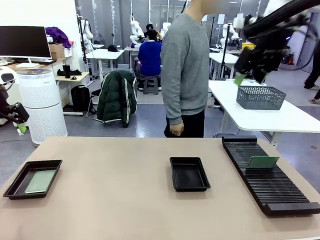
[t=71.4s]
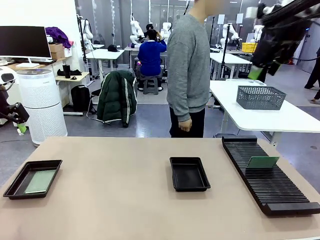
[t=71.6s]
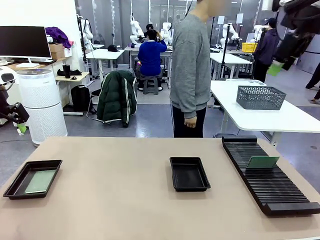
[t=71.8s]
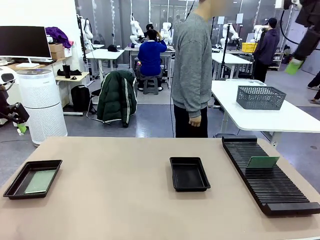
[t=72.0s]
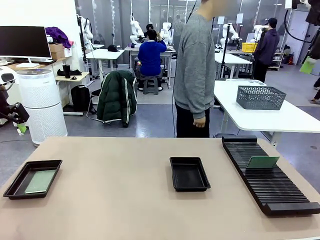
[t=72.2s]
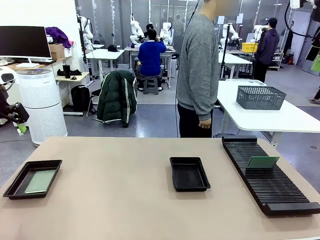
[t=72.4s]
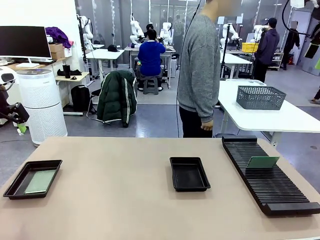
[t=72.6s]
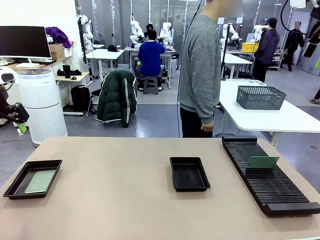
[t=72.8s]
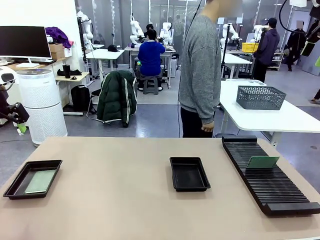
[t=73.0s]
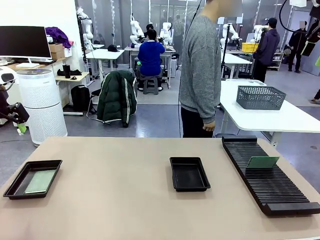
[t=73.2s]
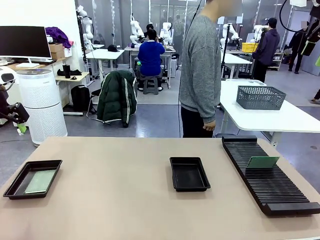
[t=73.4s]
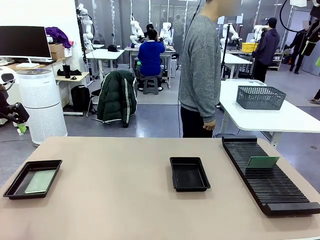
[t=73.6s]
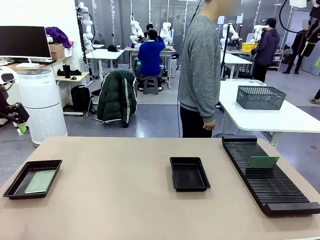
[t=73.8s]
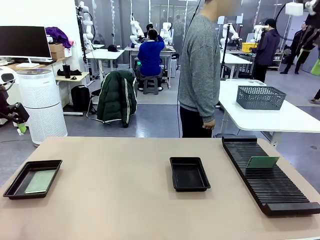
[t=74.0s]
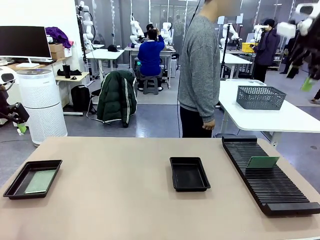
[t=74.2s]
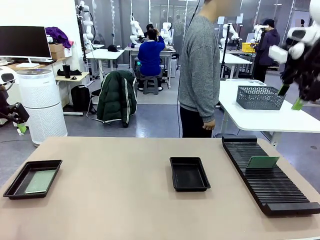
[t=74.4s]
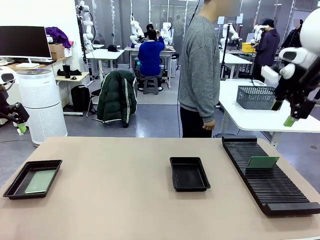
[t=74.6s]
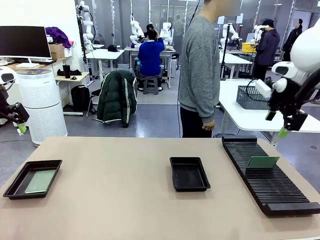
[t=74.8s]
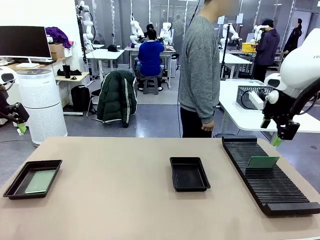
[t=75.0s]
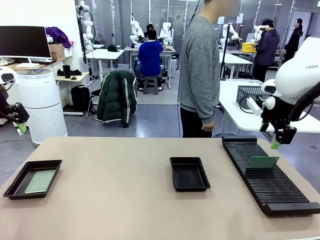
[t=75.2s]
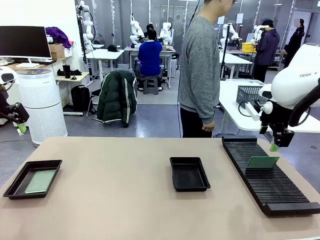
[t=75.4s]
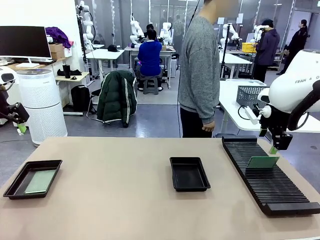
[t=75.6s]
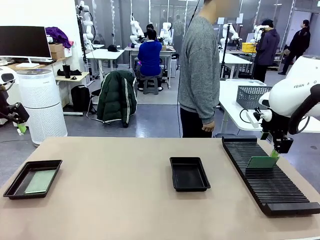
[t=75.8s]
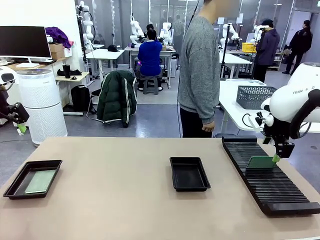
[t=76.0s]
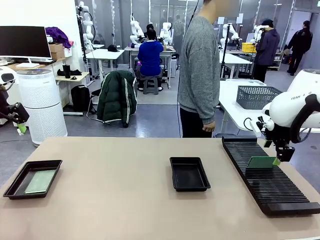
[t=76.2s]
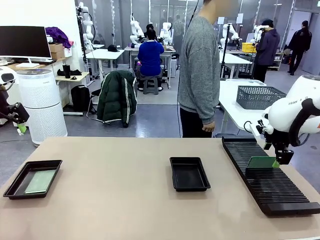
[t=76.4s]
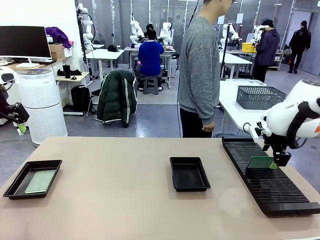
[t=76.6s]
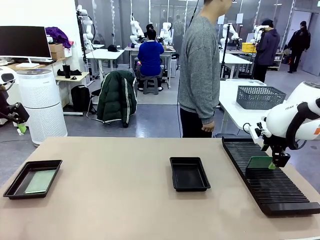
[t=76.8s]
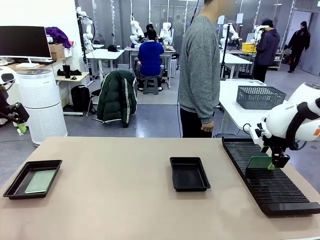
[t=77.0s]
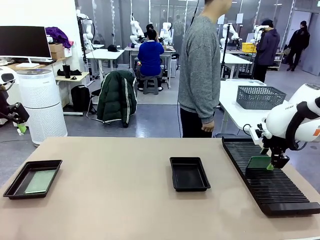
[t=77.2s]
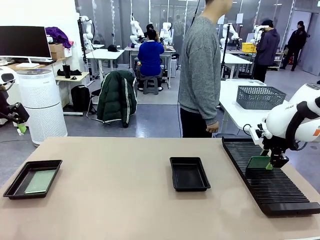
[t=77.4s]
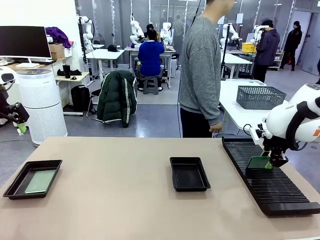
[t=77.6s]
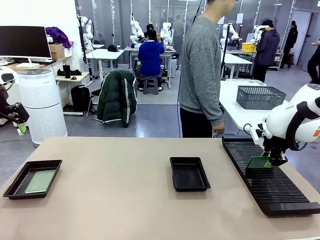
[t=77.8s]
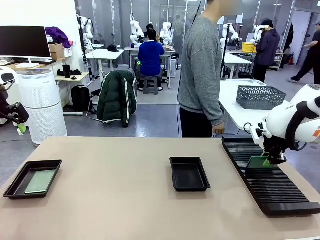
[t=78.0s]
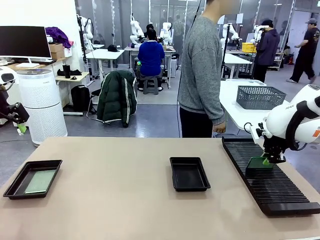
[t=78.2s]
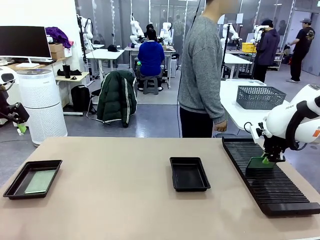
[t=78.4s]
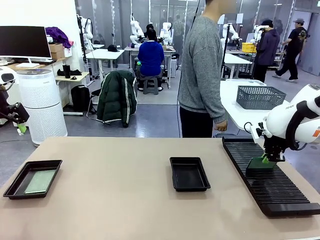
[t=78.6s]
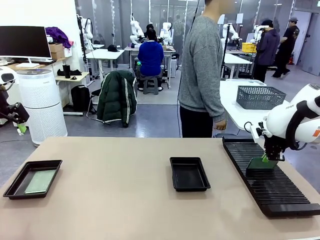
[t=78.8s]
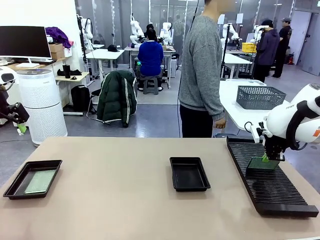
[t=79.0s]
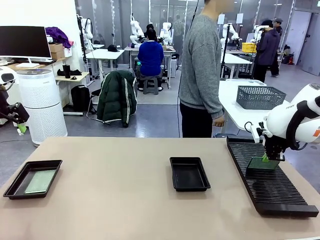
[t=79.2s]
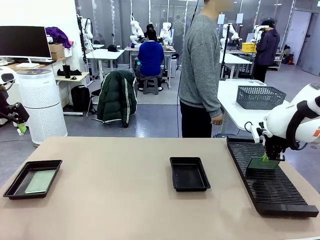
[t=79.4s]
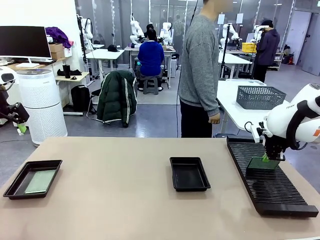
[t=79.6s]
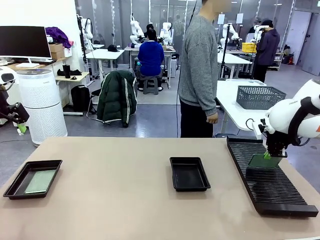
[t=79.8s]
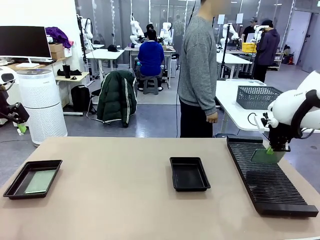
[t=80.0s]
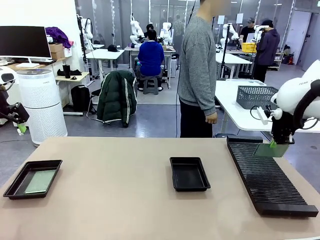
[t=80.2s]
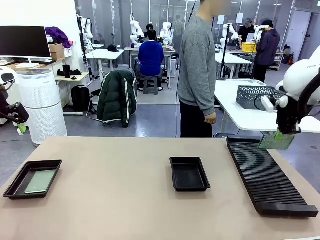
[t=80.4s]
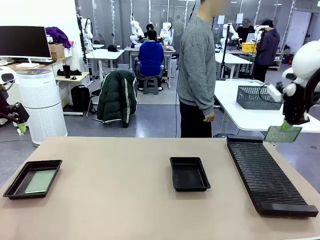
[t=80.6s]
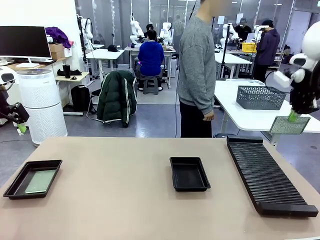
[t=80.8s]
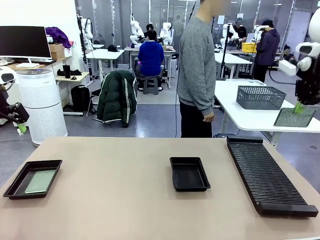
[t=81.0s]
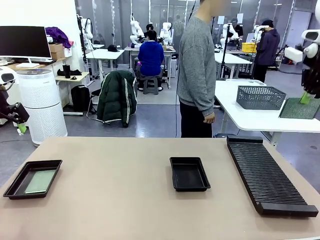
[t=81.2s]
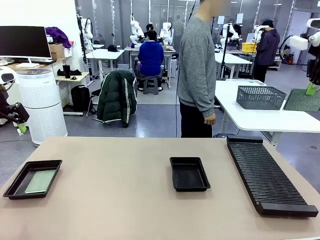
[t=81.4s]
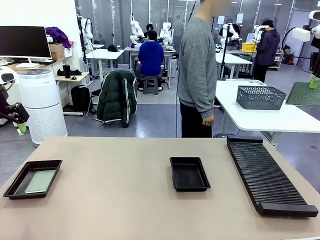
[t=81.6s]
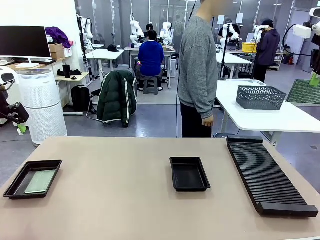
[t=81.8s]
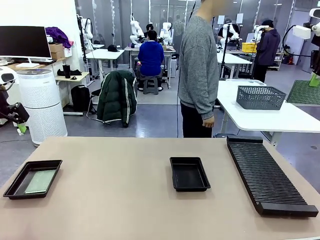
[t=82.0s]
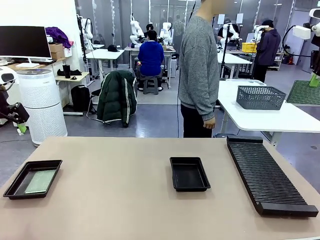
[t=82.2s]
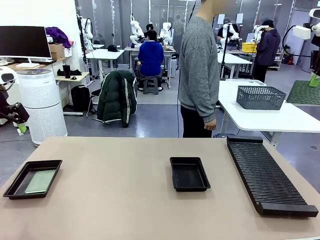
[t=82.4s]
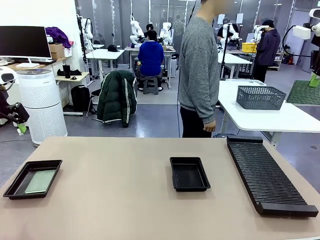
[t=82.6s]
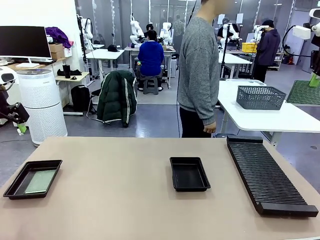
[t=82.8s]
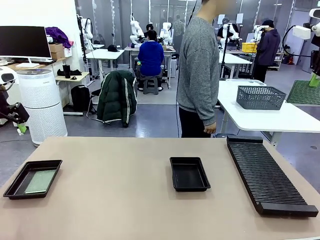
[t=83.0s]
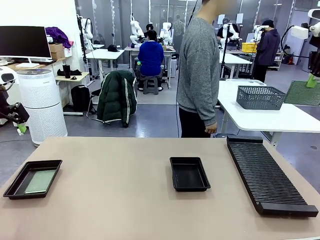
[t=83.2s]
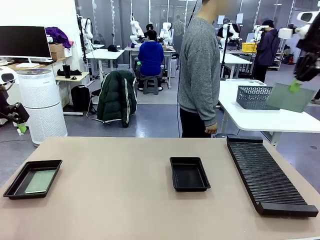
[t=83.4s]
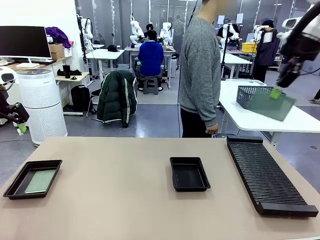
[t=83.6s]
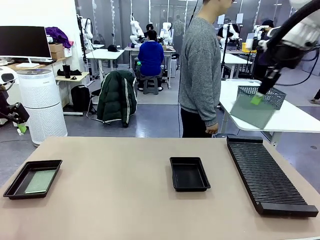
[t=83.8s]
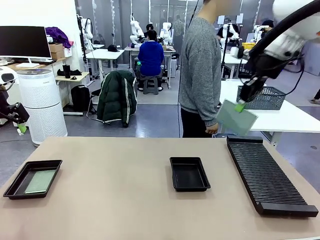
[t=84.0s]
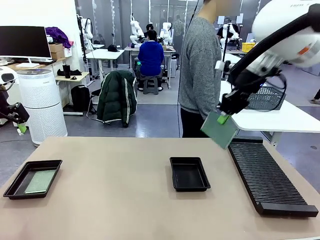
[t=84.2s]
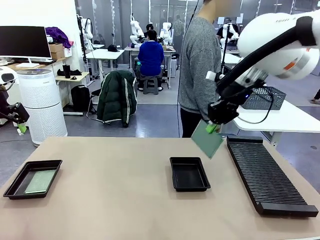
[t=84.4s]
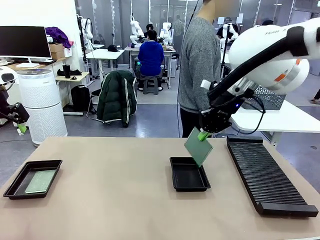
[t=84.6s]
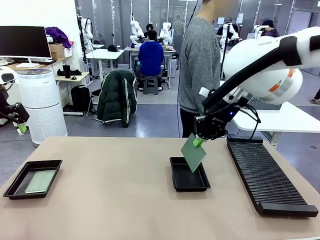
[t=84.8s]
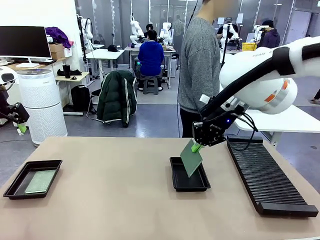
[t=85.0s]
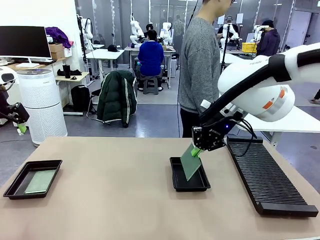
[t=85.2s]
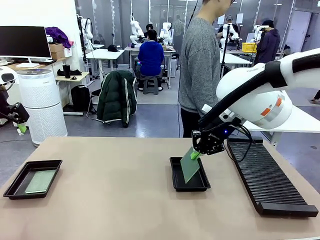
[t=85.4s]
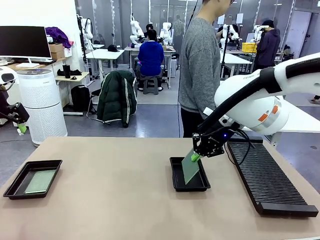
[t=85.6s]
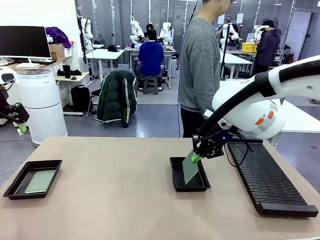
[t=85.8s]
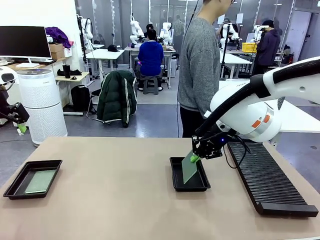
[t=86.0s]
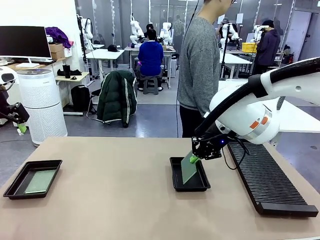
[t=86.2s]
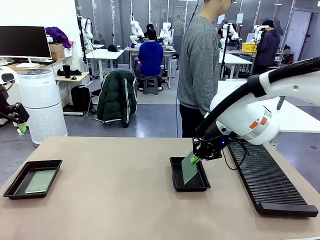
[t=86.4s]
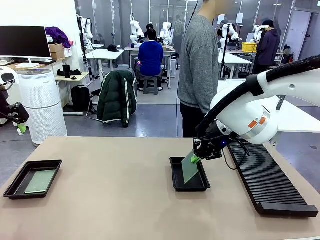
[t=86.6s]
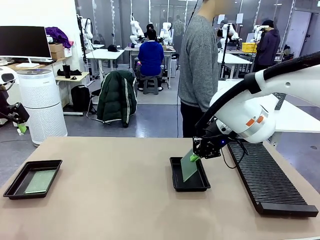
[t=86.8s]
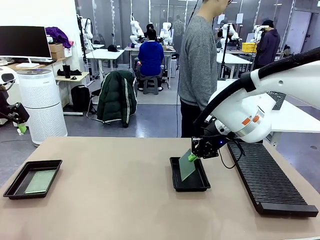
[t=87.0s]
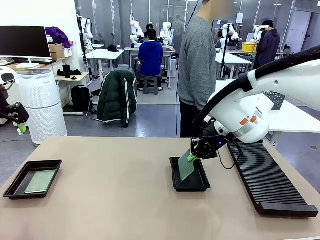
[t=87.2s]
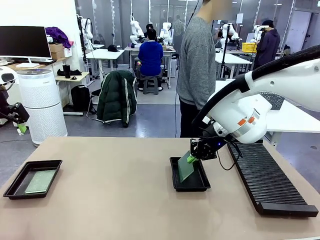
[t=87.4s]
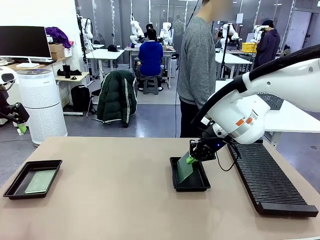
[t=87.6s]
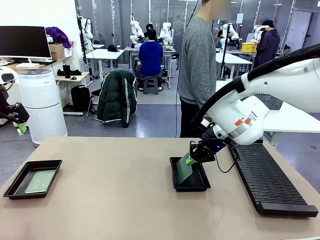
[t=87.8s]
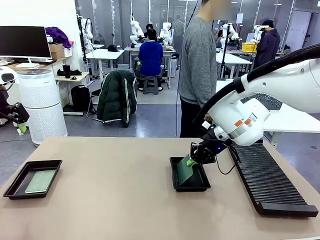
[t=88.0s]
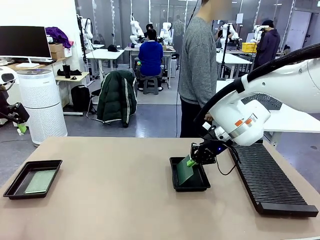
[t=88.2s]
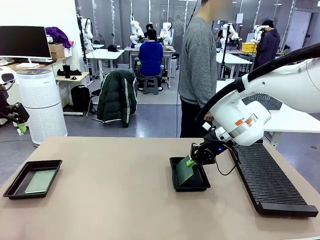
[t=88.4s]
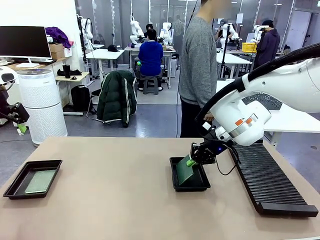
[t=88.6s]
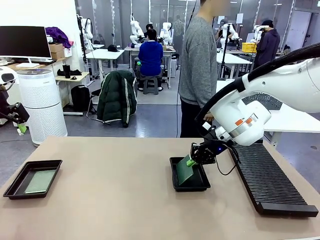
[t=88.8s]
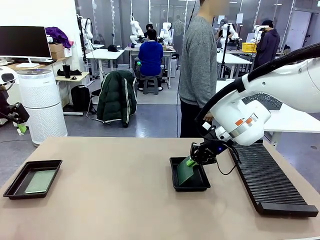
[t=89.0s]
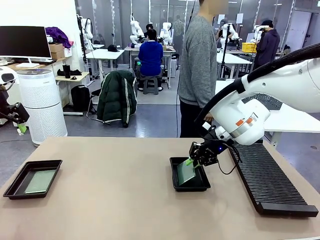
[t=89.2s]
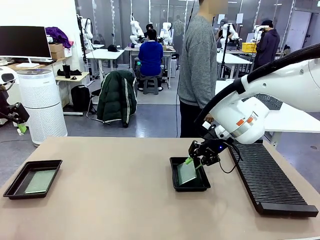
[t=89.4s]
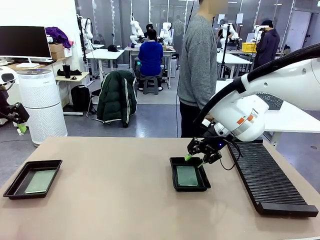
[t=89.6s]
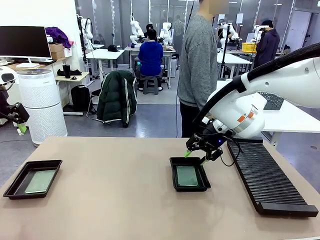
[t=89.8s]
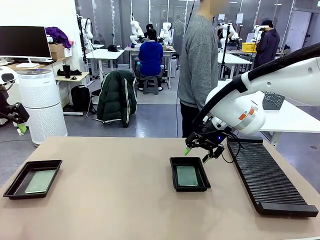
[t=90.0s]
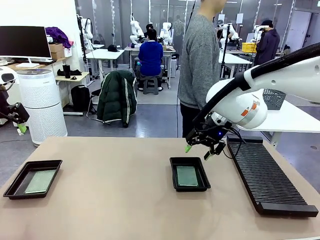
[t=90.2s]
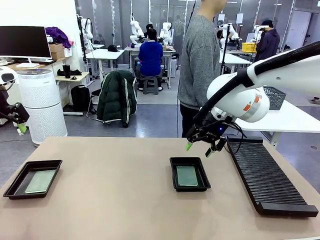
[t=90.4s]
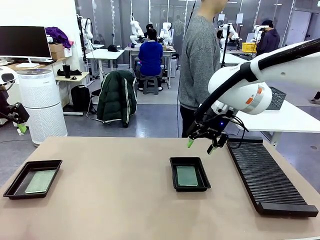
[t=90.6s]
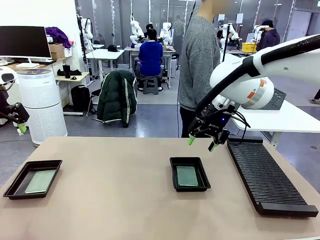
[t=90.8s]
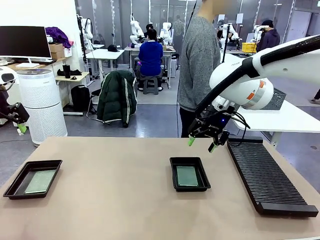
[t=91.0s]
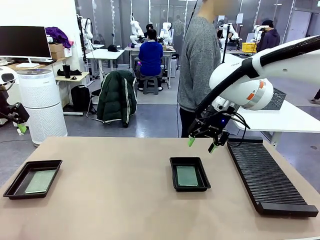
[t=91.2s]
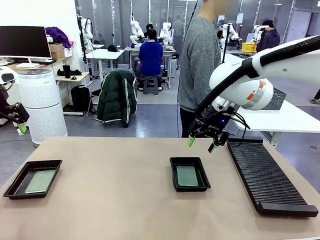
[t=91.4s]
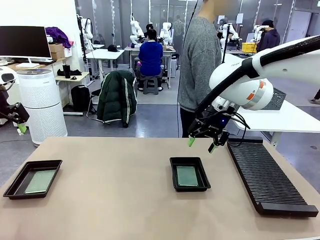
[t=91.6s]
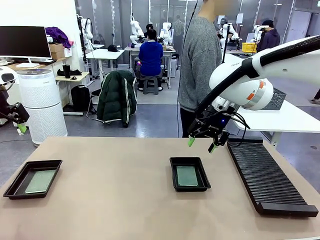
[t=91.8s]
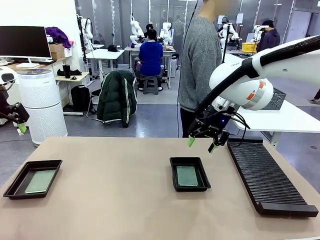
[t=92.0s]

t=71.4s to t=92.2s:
Task: Inspect and transfer BCBs to ESD trays.
Robot: Pick up the Blank PCB from the PCB Rack and place it in the right ESD tray.
